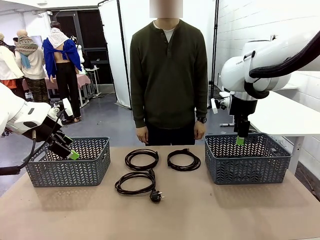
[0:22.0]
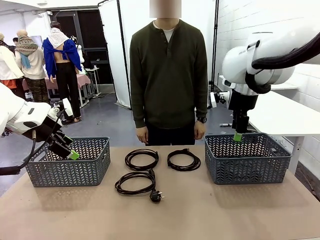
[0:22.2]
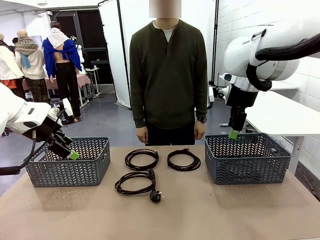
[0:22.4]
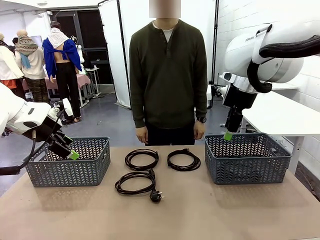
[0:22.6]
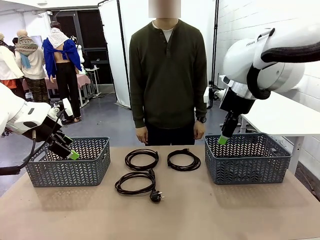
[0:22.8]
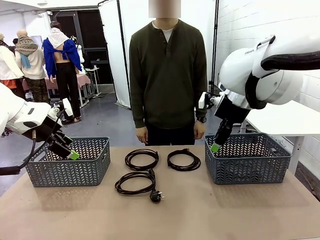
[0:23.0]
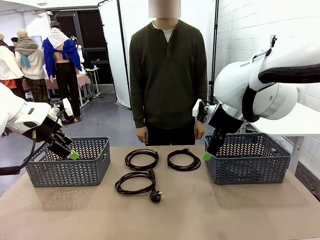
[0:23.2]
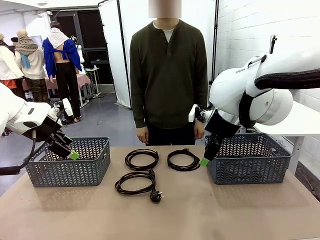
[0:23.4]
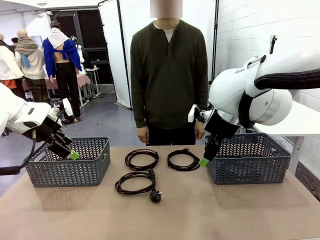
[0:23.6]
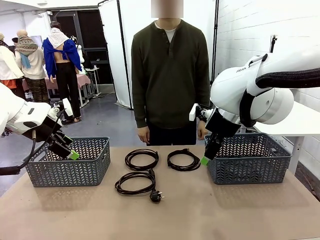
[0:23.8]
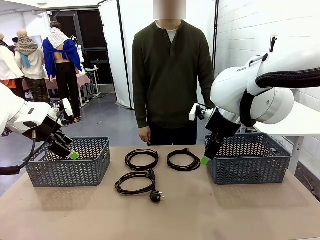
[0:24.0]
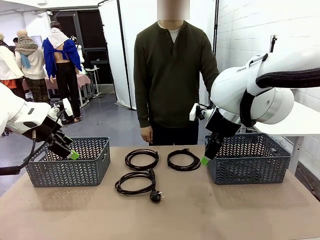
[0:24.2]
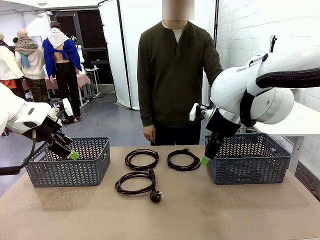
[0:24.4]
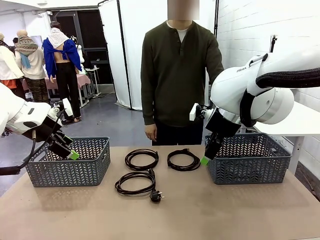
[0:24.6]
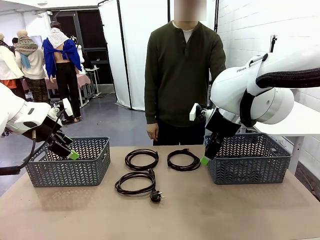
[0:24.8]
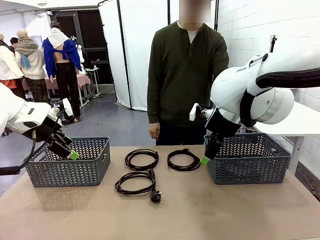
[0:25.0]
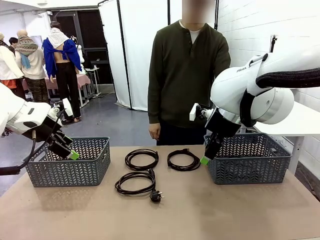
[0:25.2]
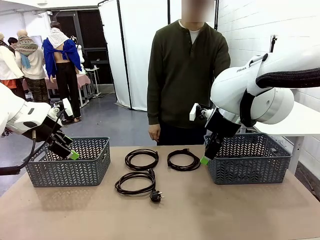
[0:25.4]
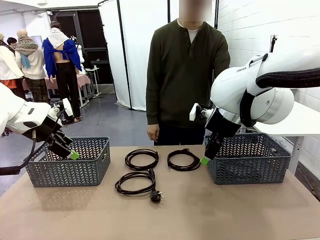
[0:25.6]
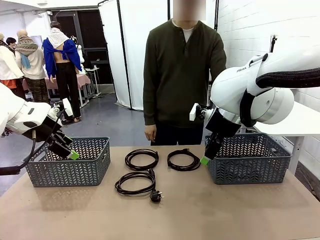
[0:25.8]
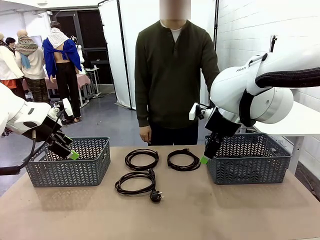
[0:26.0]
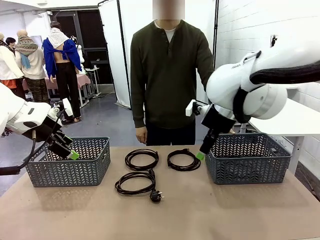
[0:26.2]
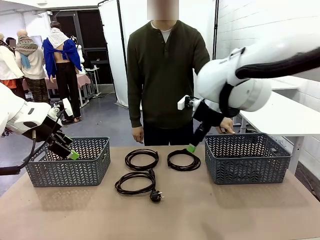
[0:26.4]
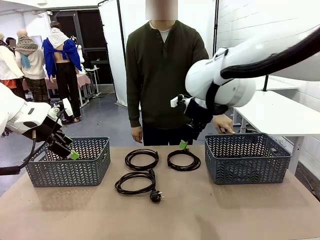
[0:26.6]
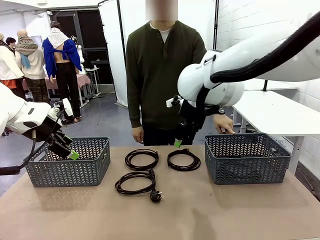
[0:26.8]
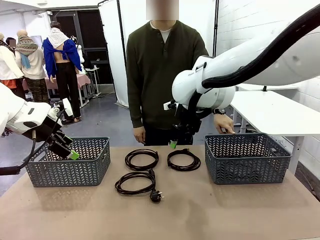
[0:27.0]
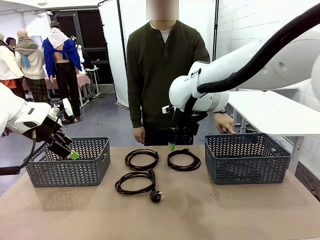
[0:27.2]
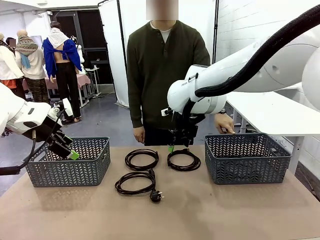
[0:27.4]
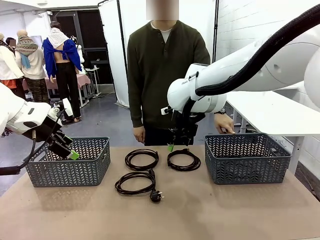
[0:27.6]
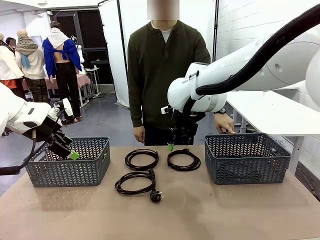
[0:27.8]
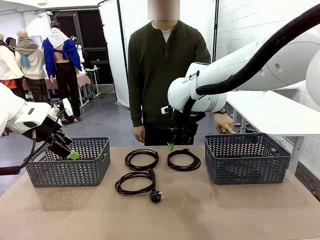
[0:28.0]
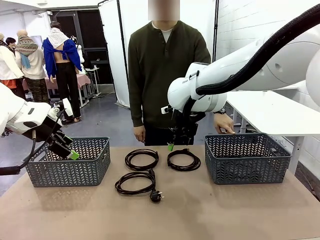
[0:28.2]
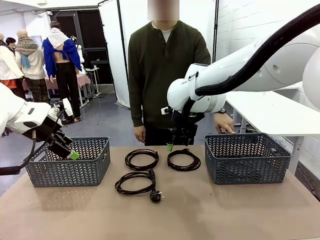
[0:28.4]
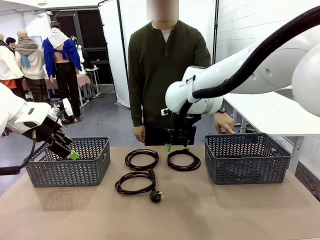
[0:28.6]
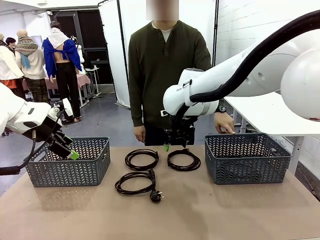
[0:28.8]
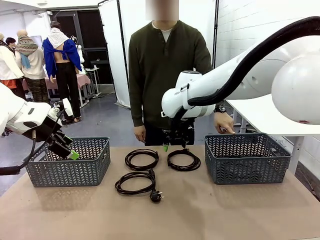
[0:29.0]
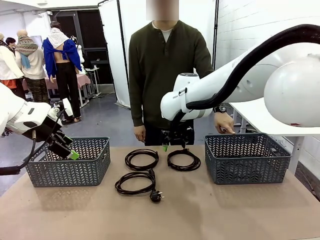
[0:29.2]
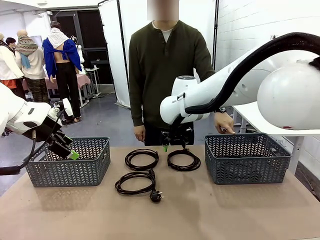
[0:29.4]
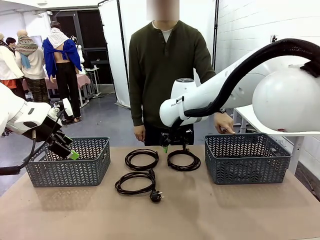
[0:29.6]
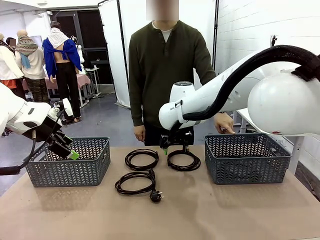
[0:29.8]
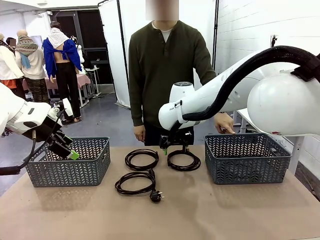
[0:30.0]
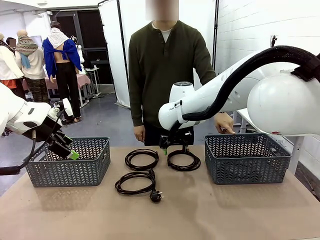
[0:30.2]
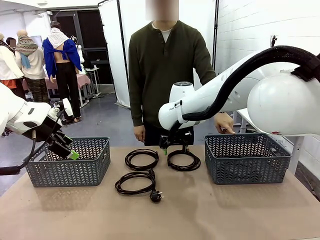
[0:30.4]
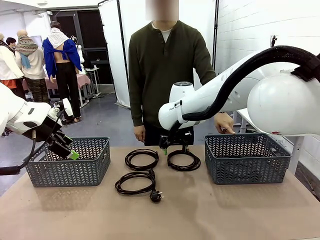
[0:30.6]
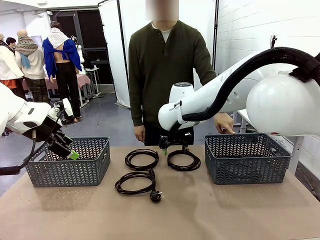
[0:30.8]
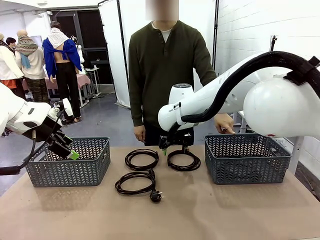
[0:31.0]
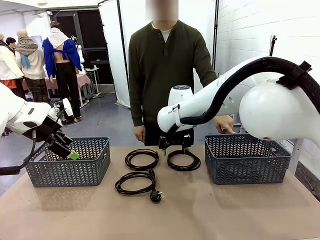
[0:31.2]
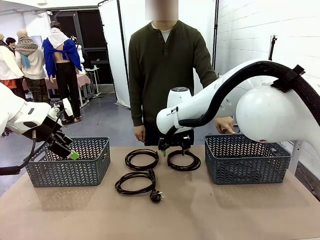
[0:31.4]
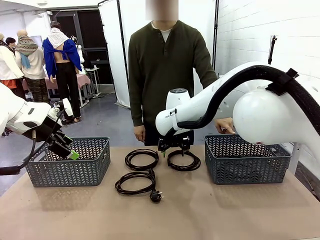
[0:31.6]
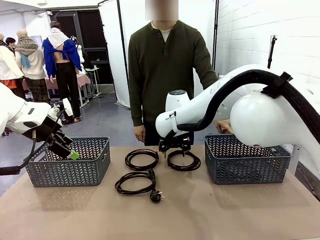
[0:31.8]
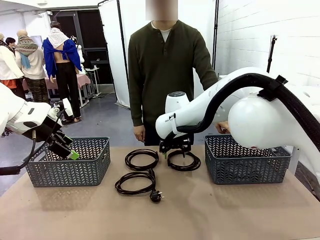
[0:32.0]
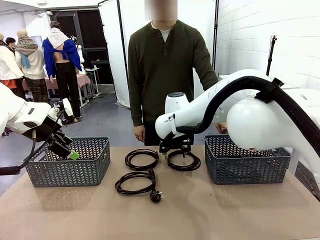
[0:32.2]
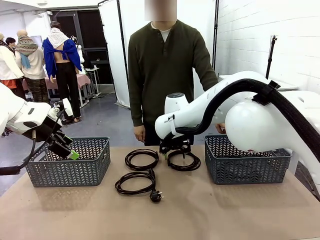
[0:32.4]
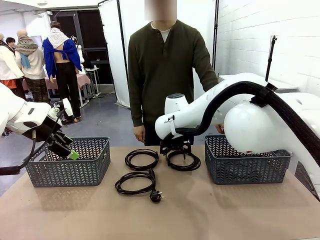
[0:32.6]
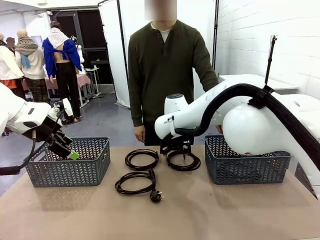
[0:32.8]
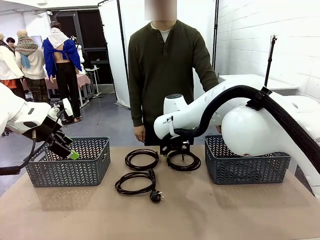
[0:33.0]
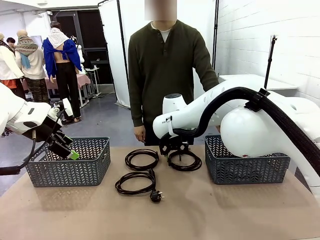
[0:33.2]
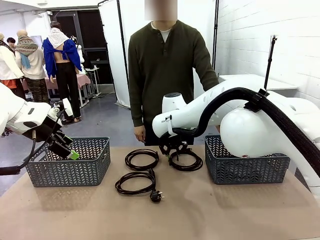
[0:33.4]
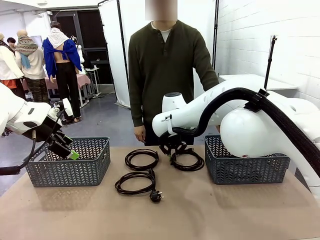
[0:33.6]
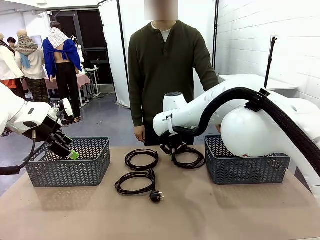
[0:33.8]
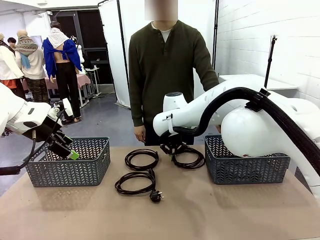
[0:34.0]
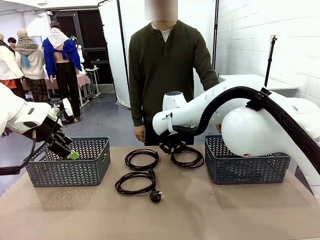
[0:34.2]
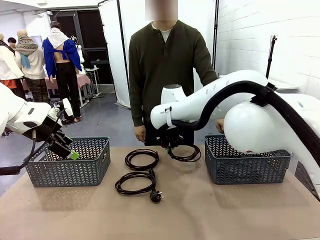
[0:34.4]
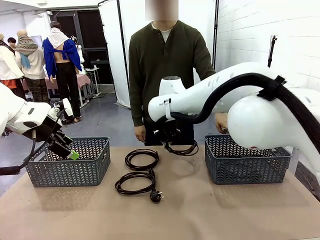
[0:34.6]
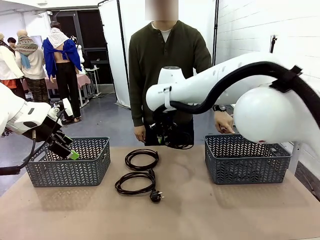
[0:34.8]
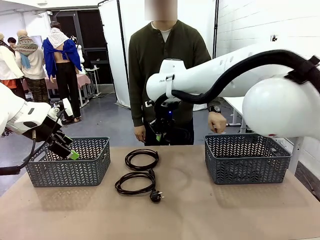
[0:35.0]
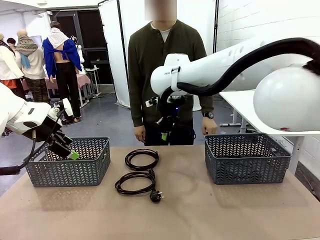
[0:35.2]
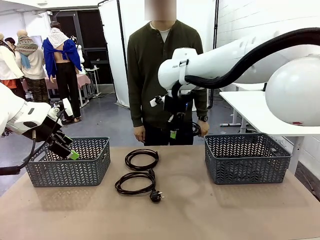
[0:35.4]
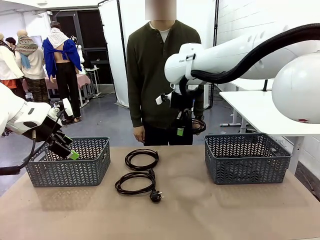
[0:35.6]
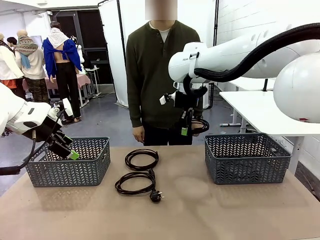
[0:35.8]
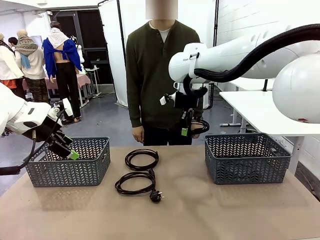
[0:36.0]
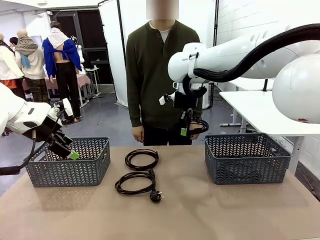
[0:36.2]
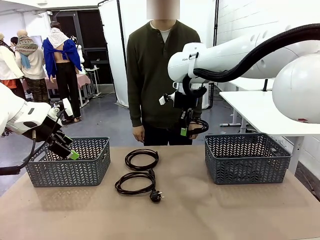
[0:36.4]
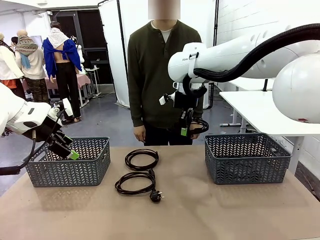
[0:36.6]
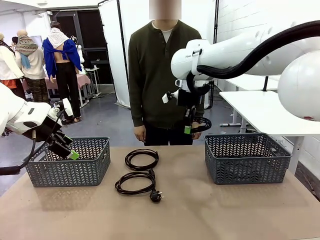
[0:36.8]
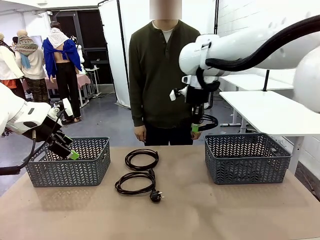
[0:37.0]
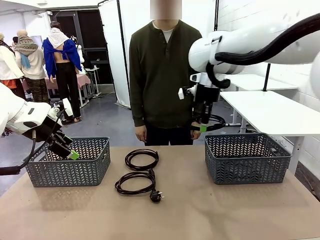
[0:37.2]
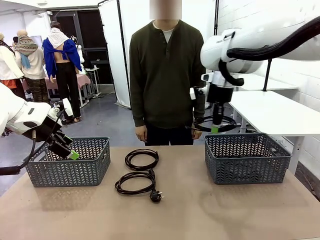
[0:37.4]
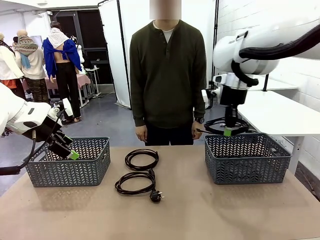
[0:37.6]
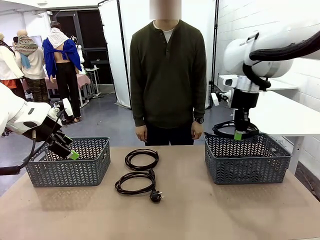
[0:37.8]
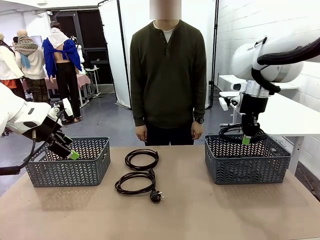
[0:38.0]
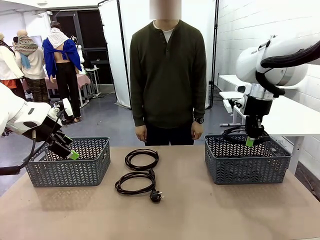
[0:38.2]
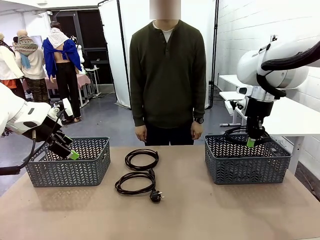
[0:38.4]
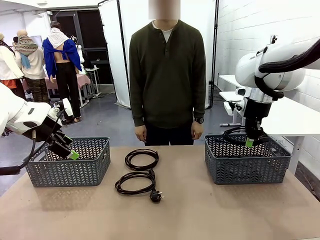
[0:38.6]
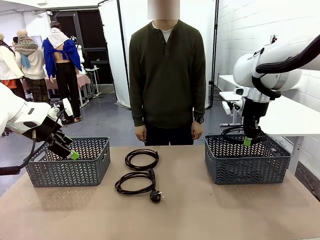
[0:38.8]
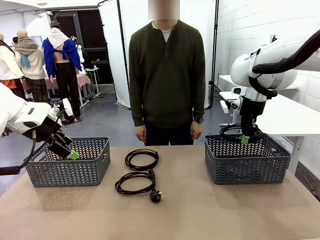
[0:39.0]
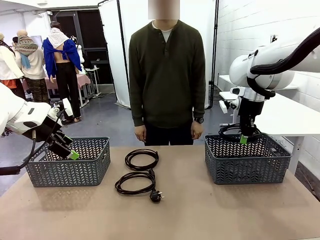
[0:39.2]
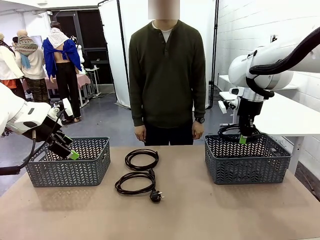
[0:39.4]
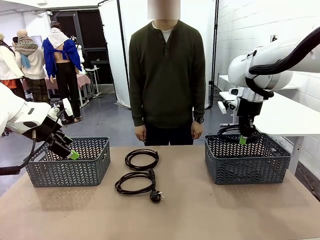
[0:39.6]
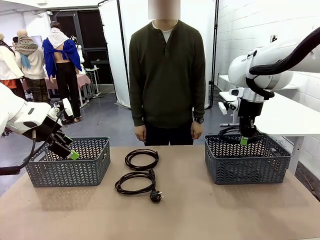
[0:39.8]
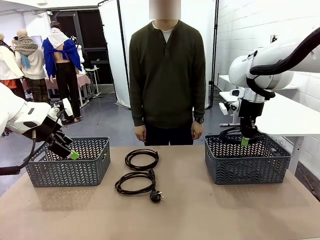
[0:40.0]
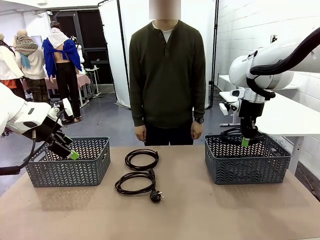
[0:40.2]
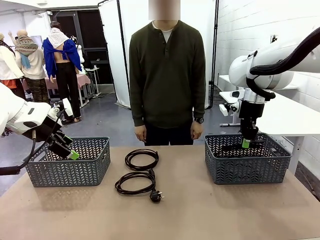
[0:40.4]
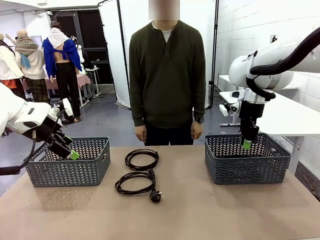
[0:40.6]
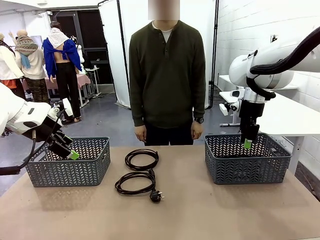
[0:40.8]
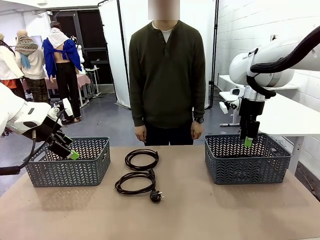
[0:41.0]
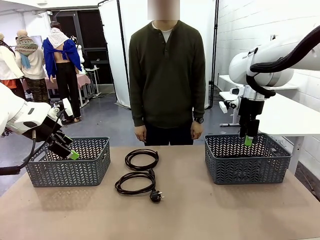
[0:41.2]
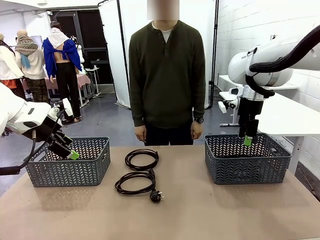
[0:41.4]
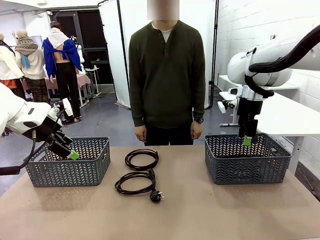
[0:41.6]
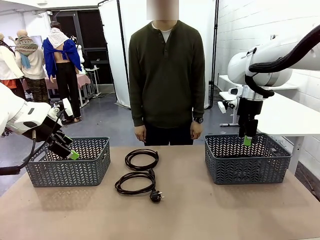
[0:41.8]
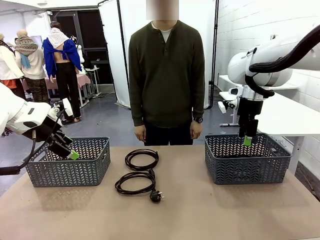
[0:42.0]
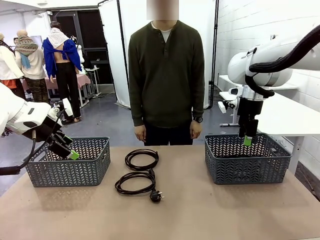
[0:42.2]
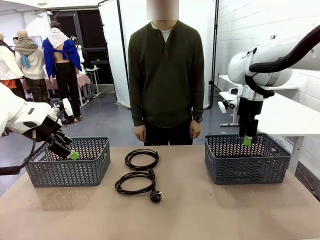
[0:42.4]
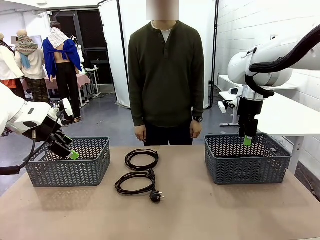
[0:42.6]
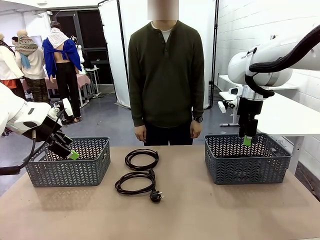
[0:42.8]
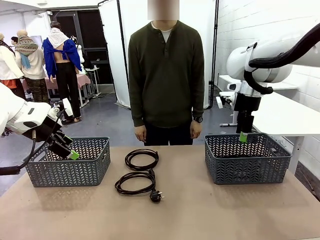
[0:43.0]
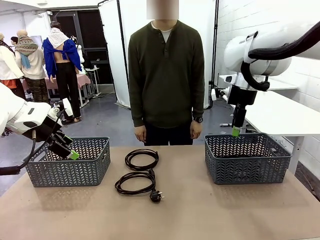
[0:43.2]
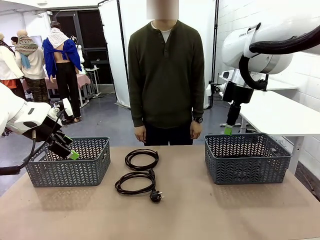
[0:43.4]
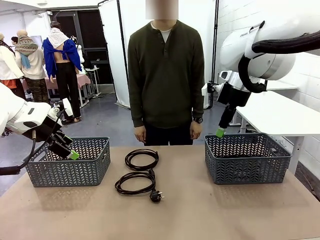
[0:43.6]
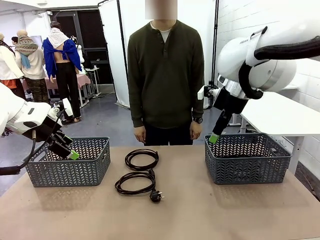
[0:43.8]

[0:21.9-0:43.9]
Task: Organize the cables according to human instructions.
Robot: Pick up a bundle of cables and place it in the basket indicated by the human.
